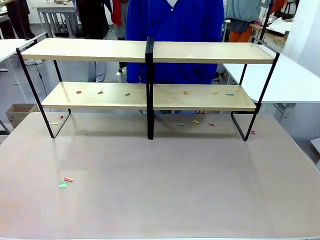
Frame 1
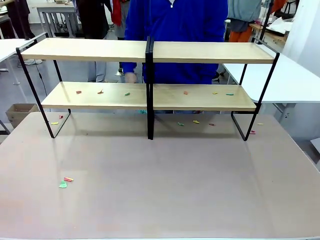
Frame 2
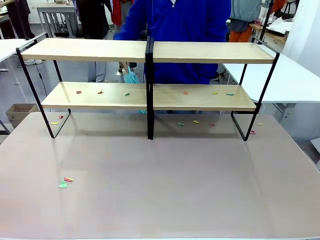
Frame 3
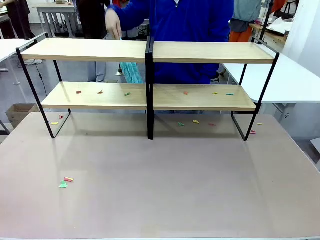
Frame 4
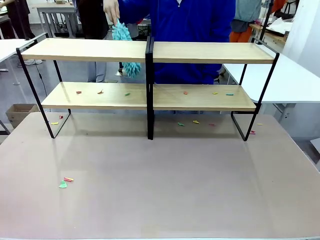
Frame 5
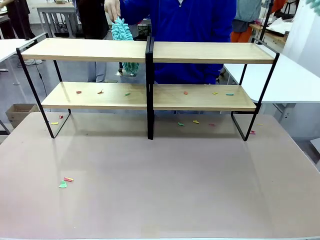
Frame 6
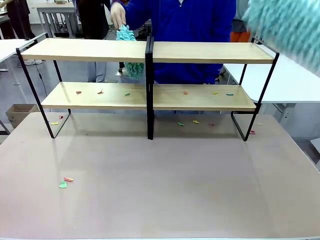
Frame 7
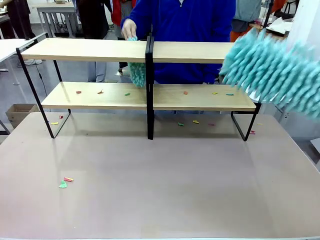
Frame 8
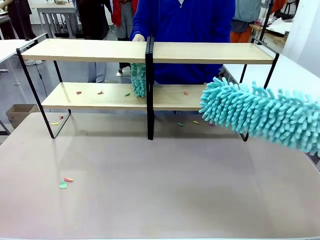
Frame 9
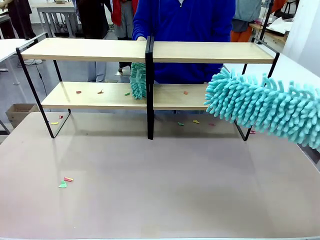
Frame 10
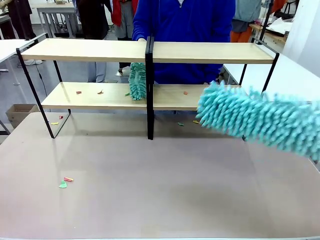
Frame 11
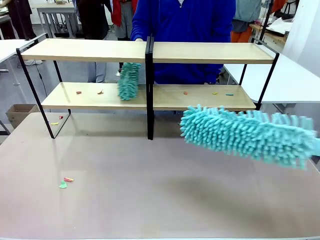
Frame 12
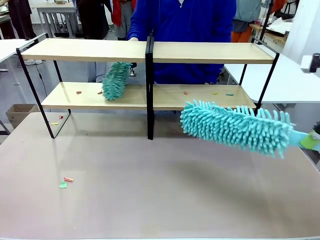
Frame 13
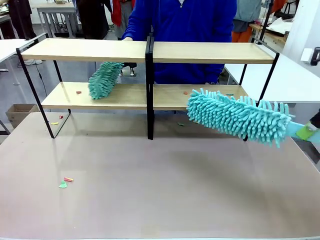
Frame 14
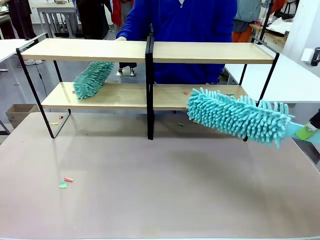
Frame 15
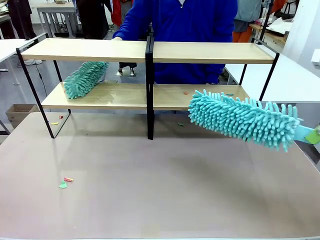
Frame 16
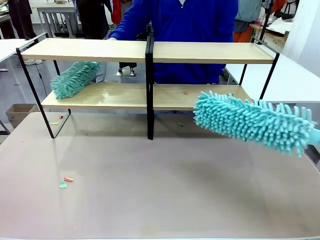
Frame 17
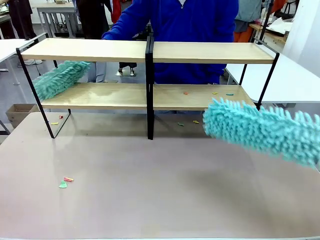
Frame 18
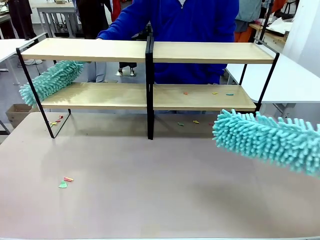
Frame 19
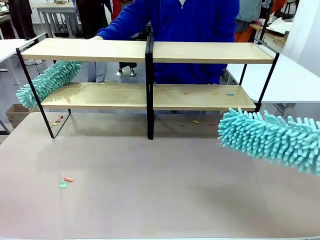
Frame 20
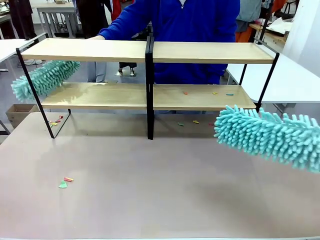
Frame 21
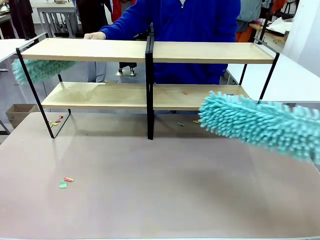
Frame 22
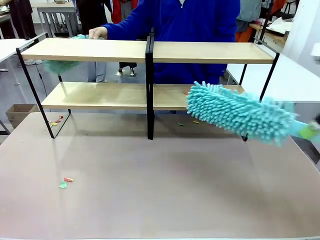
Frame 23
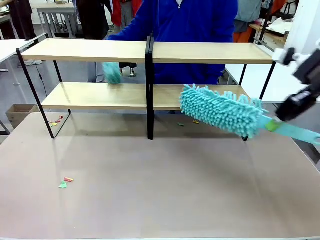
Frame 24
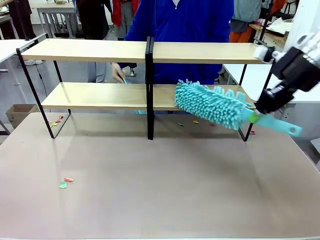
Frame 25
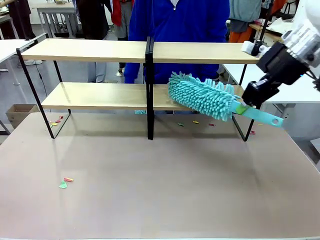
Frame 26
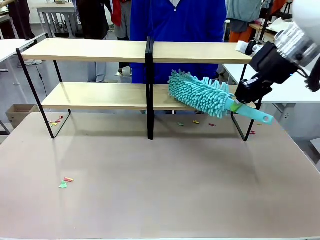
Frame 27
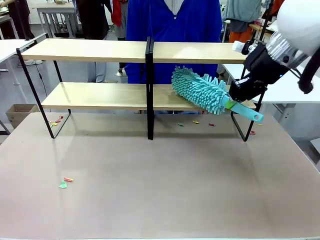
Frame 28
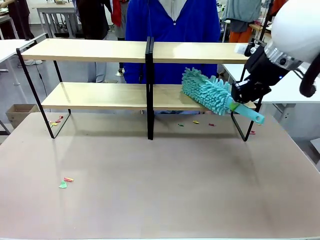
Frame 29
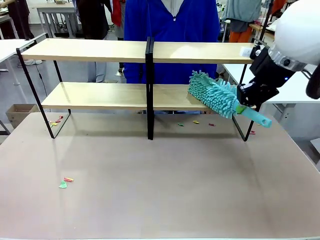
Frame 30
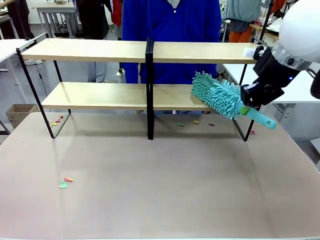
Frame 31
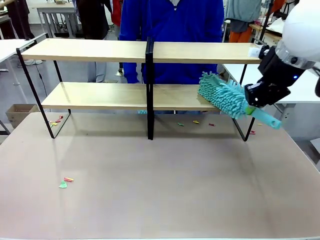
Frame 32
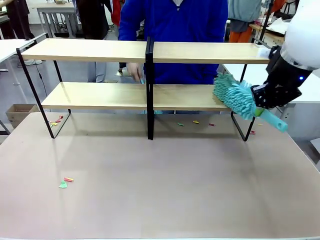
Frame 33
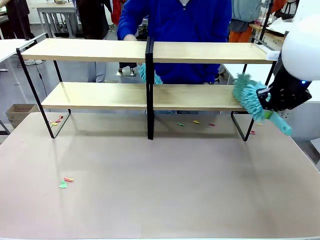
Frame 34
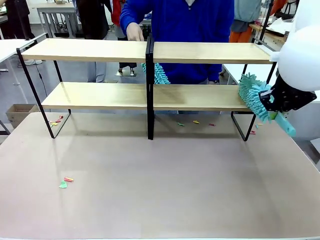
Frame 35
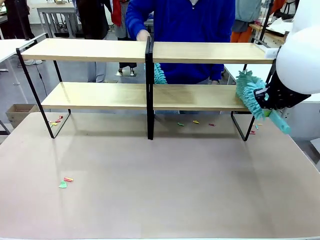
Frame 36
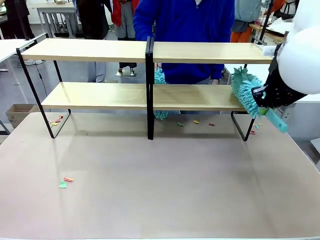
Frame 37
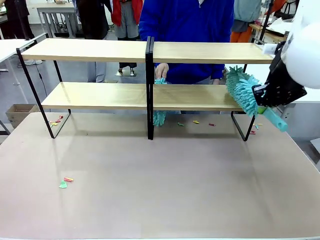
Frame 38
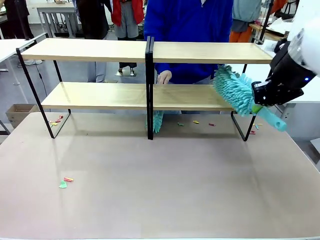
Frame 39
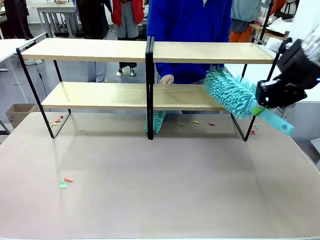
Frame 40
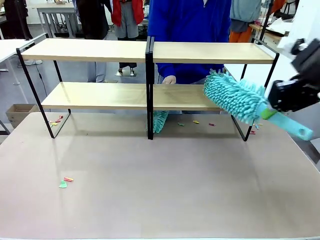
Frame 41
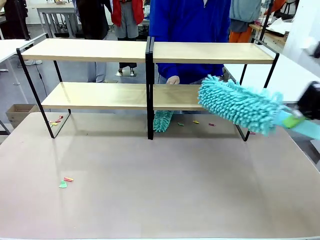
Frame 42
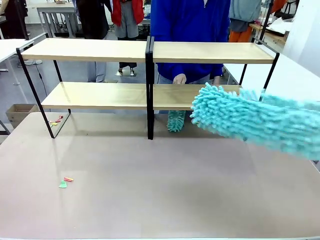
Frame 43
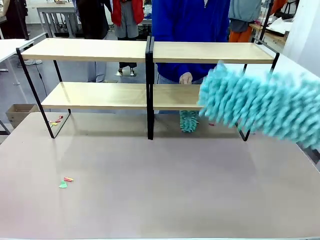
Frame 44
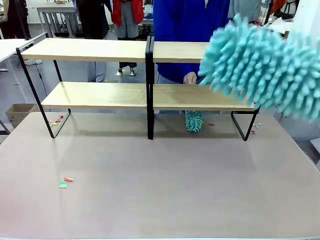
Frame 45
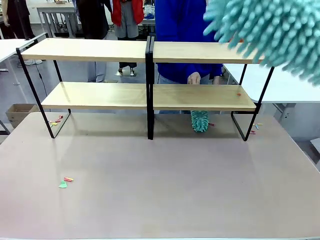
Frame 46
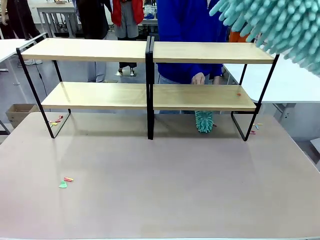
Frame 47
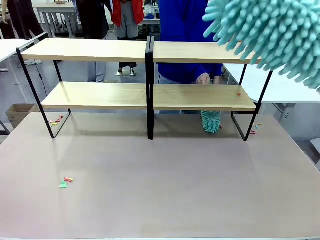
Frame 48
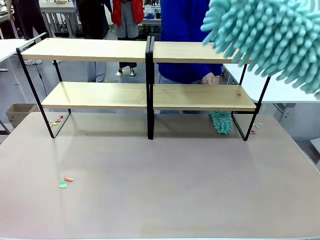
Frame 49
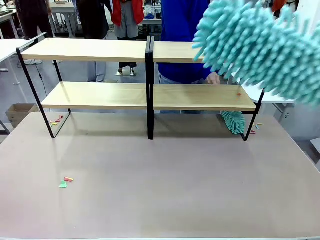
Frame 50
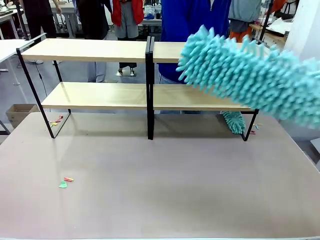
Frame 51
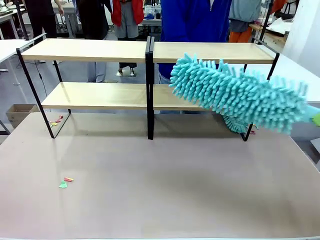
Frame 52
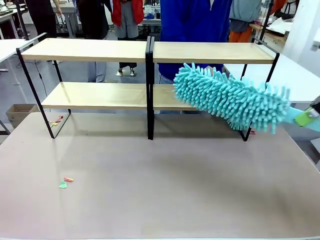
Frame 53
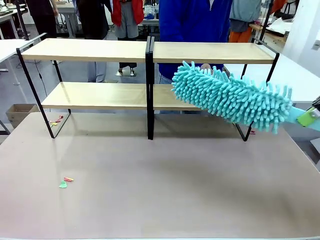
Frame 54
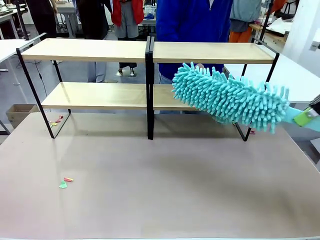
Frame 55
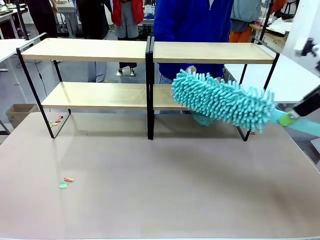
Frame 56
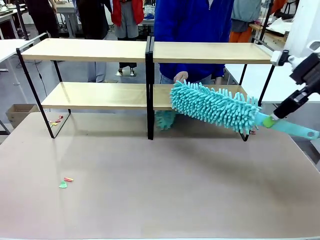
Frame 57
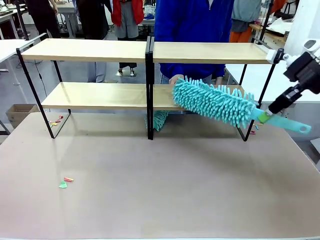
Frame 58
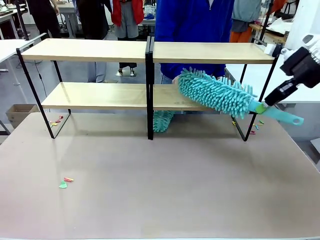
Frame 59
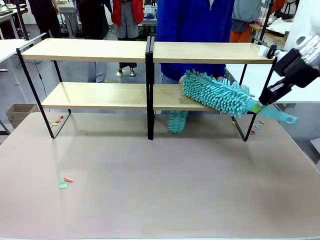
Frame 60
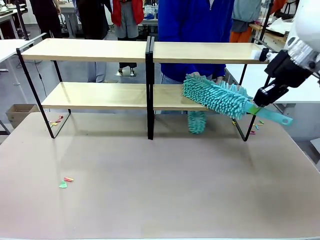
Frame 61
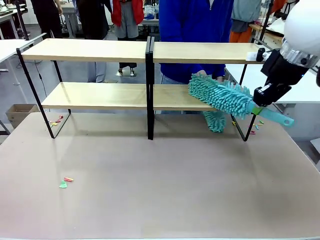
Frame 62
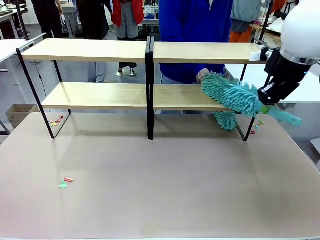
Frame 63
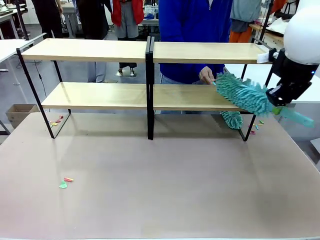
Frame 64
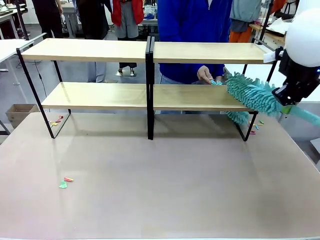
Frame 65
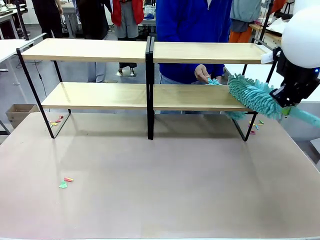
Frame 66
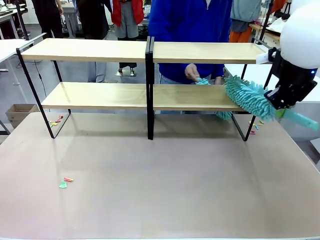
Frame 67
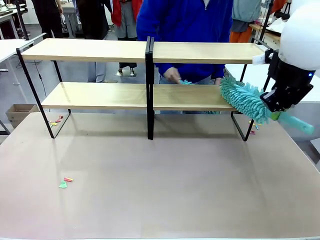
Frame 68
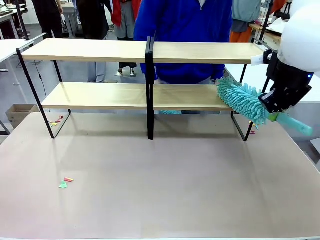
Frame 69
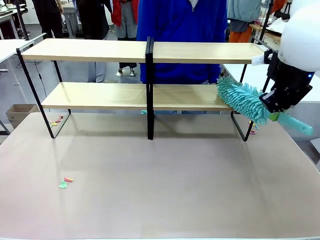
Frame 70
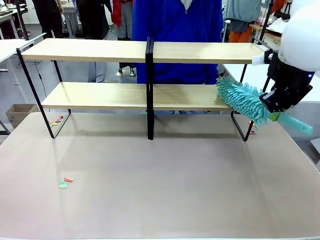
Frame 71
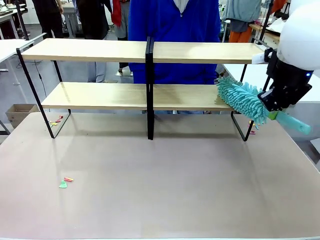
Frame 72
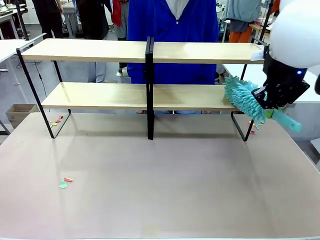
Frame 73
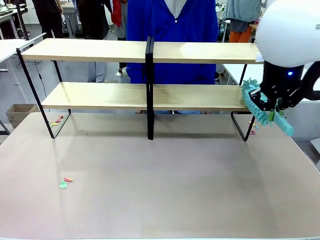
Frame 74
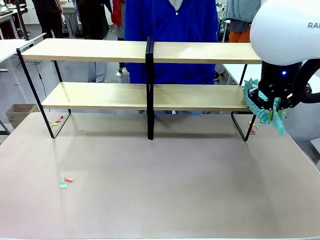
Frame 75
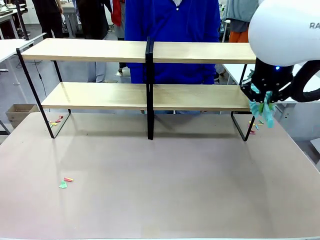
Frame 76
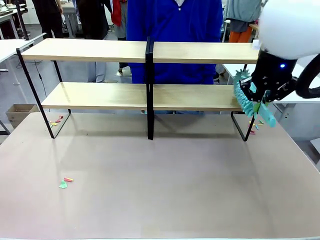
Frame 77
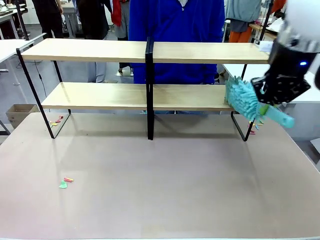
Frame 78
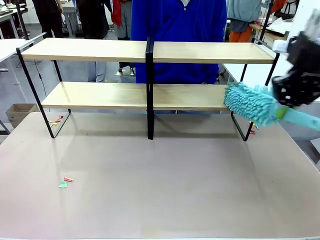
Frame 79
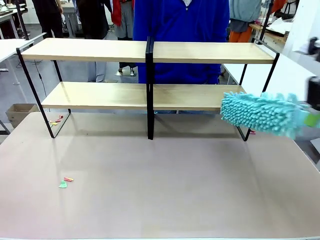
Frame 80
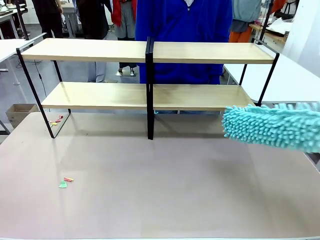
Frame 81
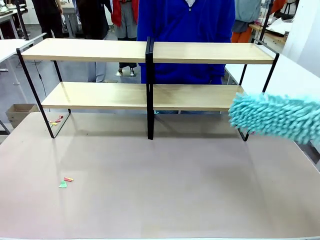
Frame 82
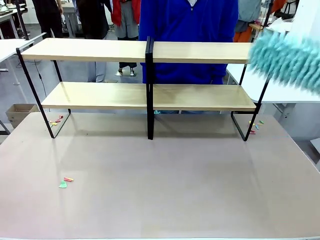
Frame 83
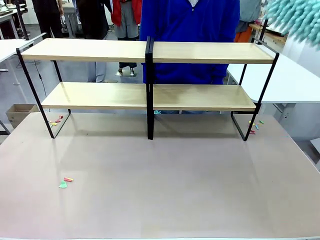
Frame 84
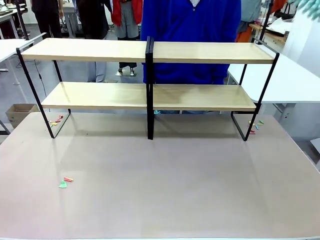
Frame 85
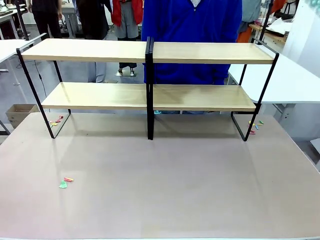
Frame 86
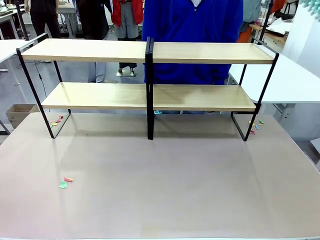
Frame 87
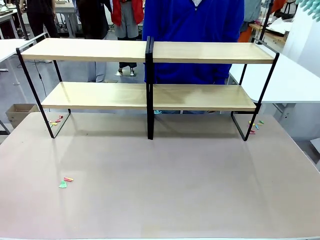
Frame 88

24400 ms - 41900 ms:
Task: Clean the shelves.
Robot: Clean another randomly selected level of the Shelf with the Duster.

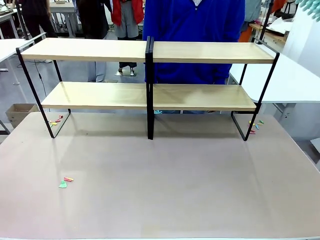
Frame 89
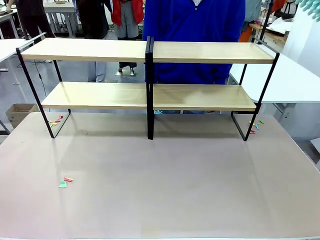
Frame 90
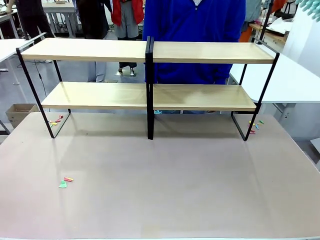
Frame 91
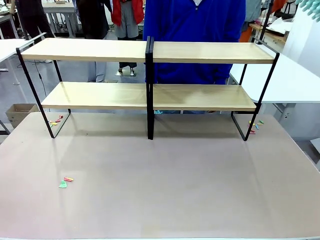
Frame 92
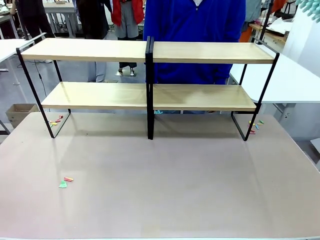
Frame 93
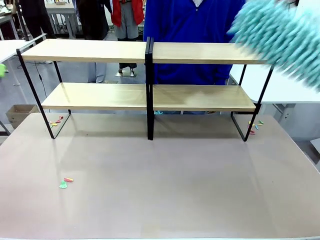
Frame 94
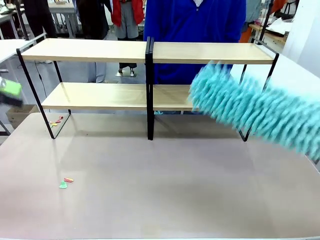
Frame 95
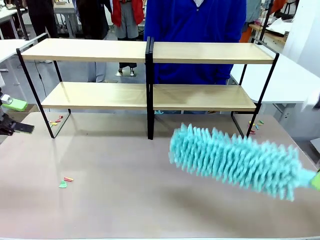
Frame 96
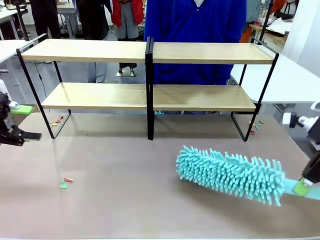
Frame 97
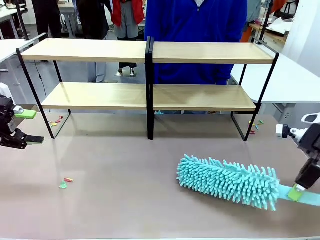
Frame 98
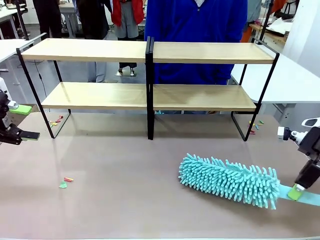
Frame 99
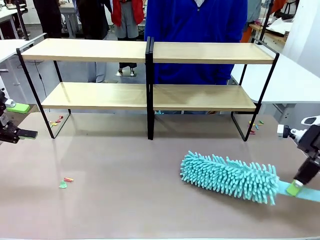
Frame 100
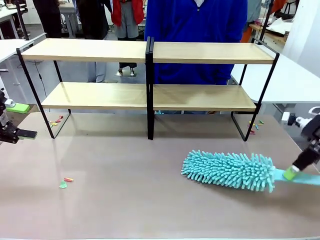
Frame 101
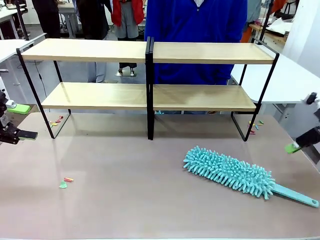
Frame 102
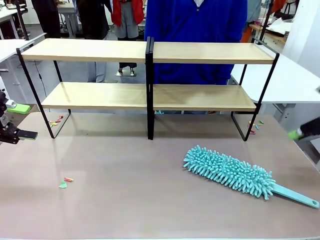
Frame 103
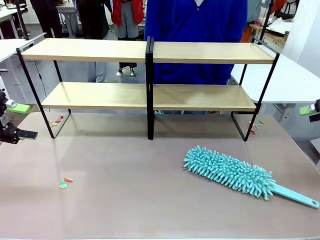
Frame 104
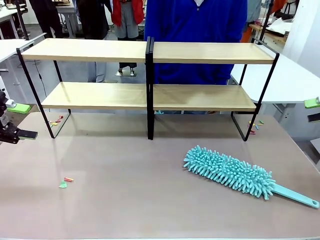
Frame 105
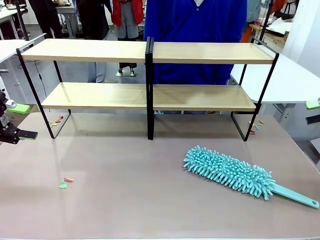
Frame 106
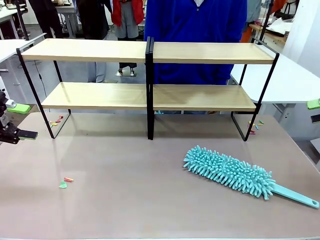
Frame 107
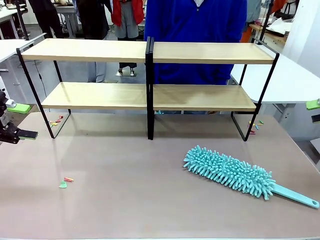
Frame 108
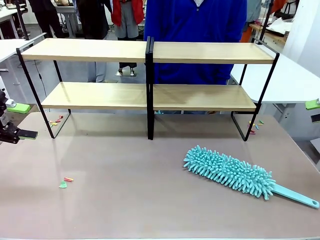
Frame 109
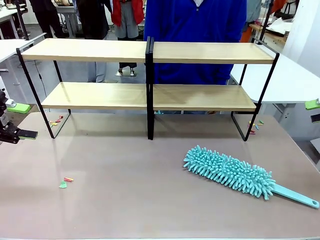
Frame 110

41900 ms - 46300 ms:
Robot: Place the Duster on the table.
